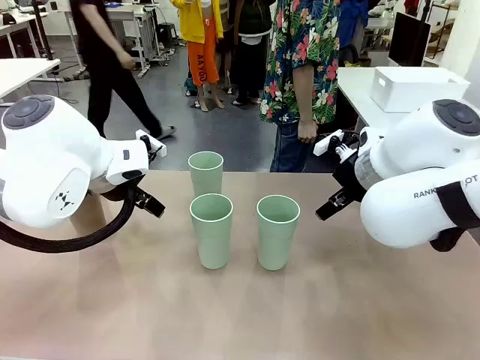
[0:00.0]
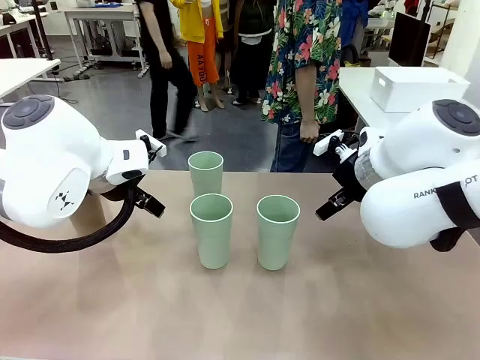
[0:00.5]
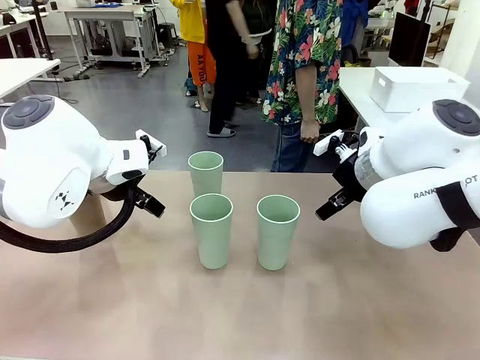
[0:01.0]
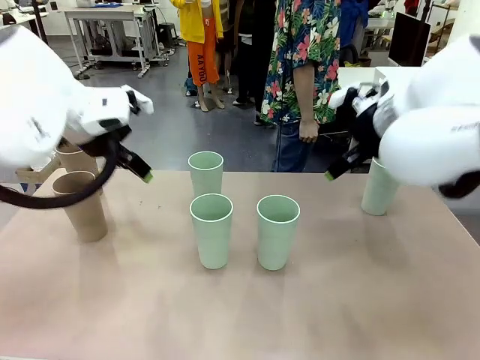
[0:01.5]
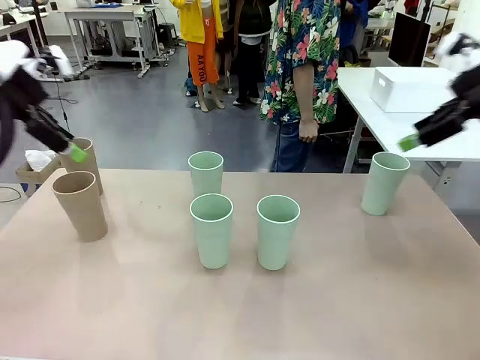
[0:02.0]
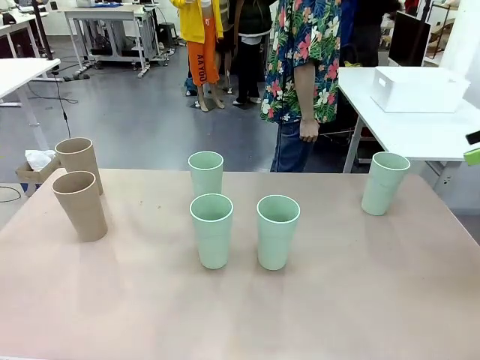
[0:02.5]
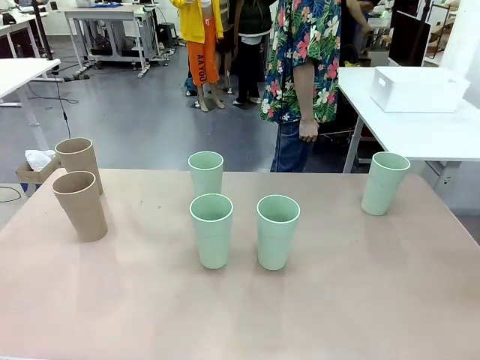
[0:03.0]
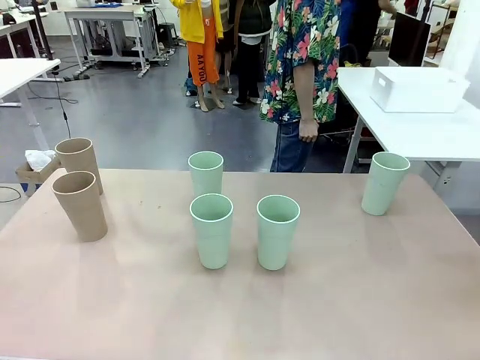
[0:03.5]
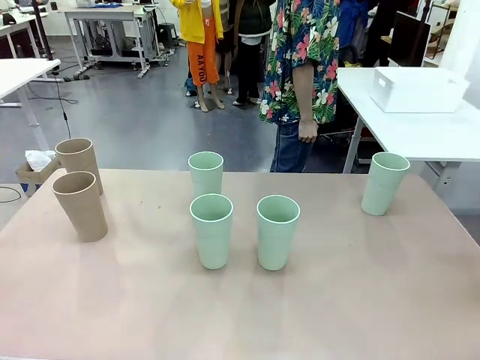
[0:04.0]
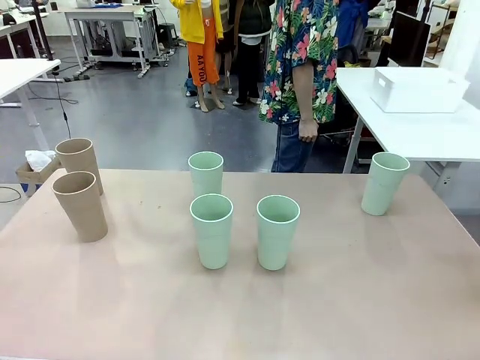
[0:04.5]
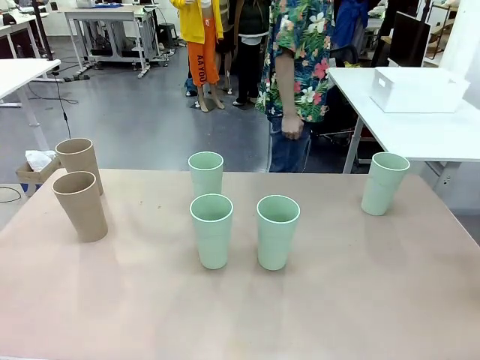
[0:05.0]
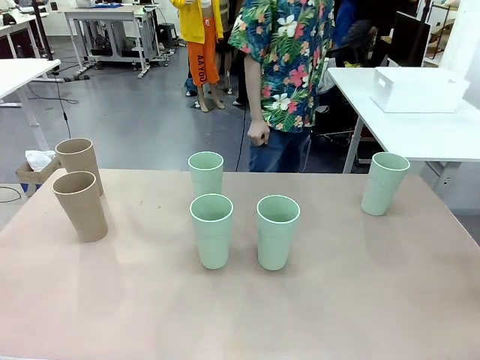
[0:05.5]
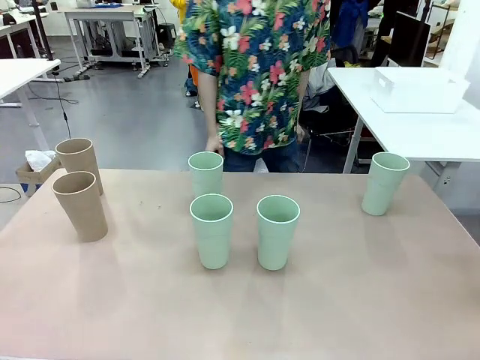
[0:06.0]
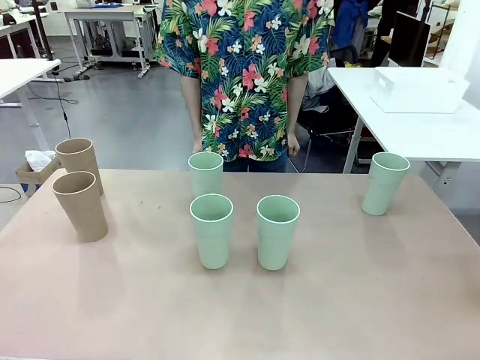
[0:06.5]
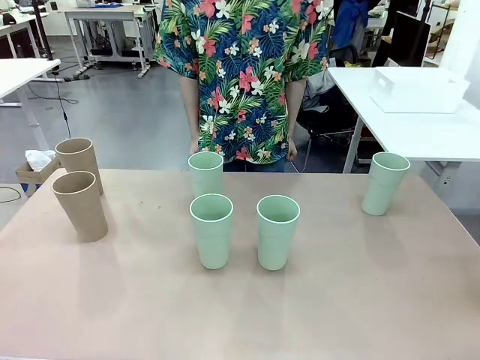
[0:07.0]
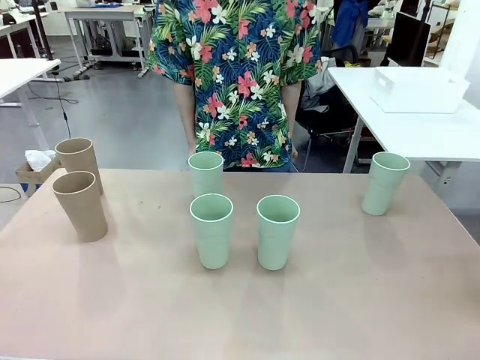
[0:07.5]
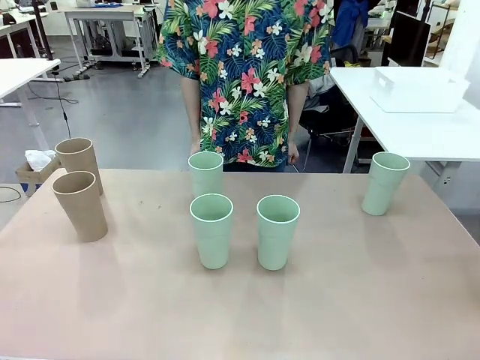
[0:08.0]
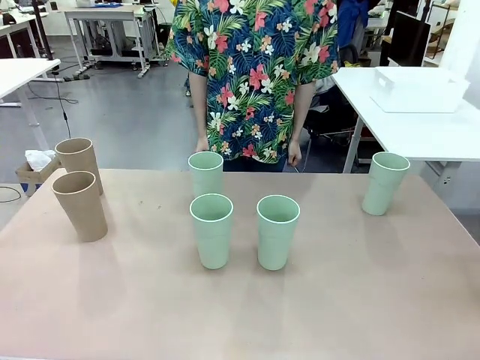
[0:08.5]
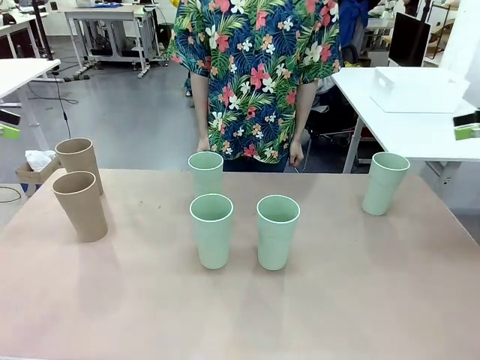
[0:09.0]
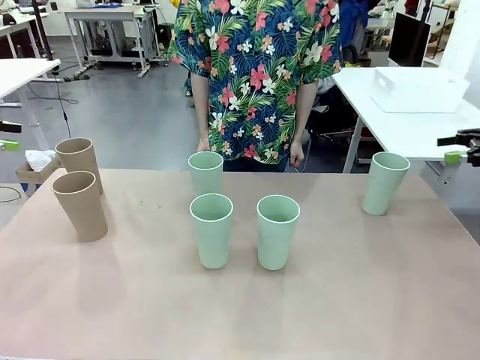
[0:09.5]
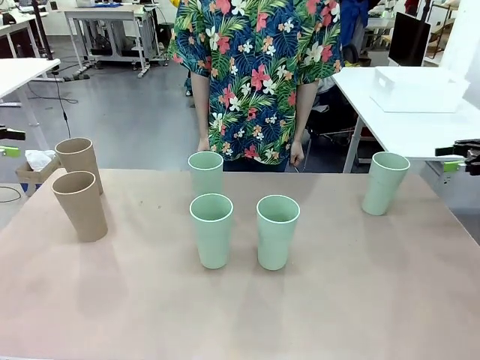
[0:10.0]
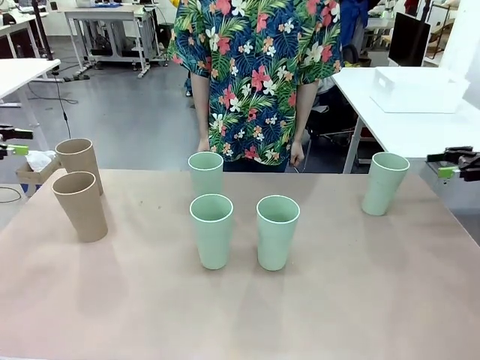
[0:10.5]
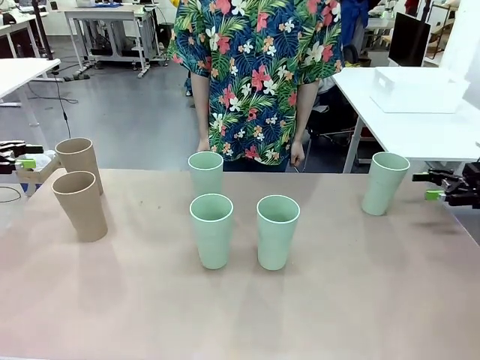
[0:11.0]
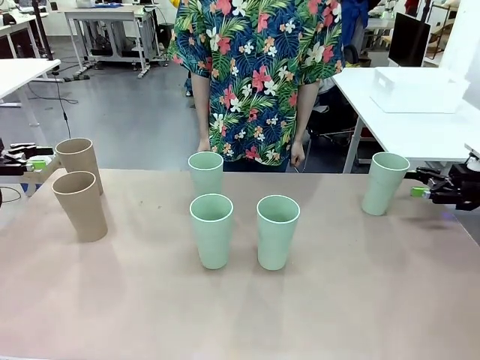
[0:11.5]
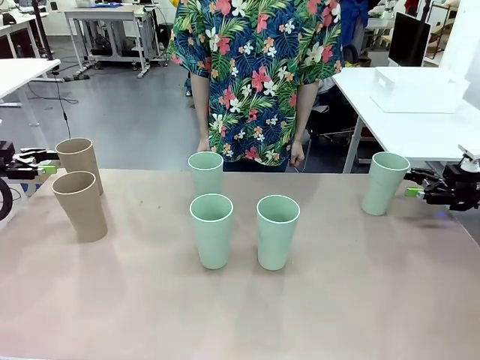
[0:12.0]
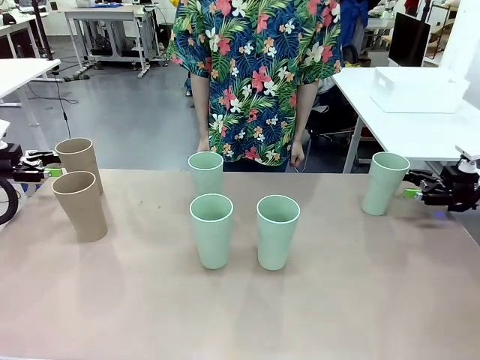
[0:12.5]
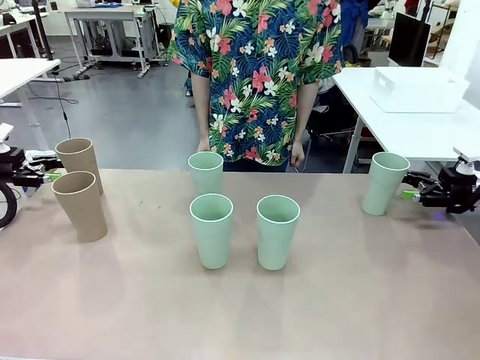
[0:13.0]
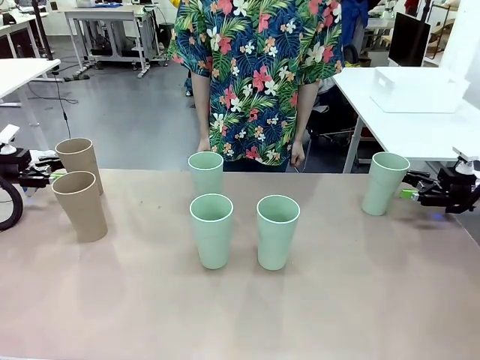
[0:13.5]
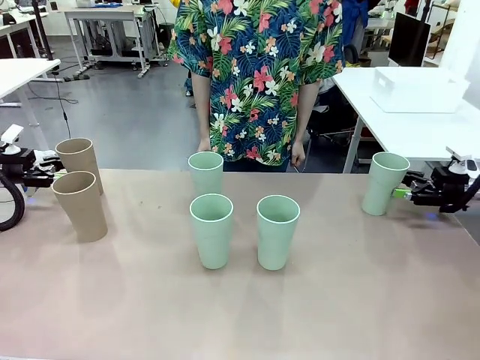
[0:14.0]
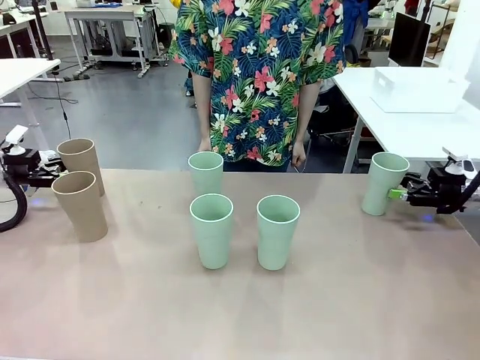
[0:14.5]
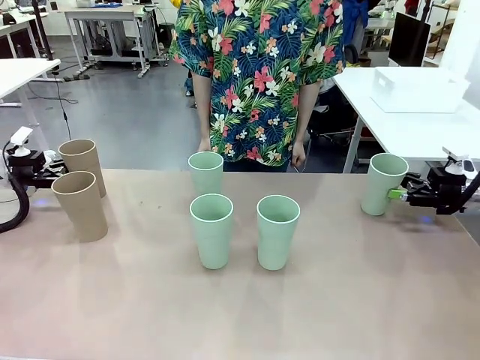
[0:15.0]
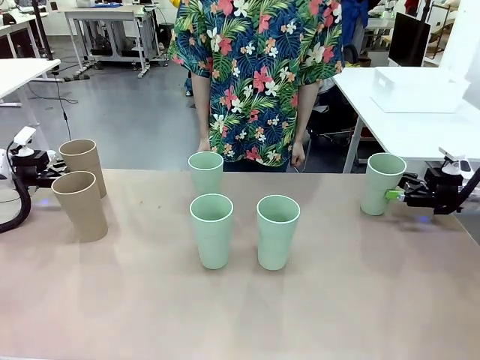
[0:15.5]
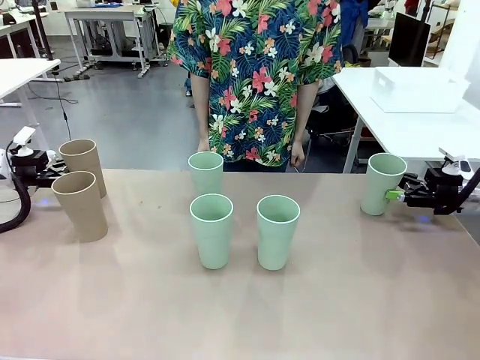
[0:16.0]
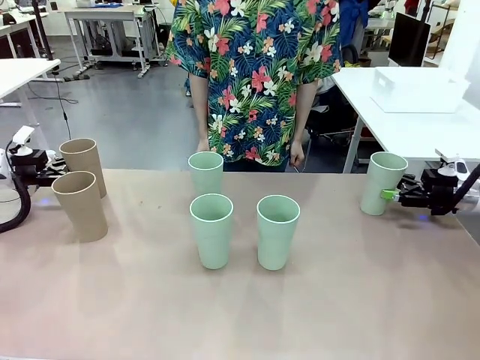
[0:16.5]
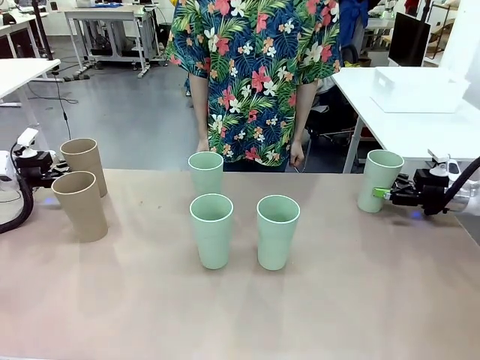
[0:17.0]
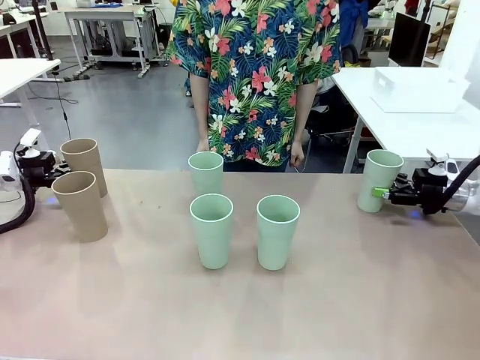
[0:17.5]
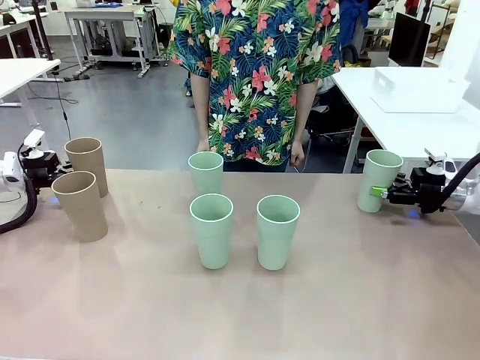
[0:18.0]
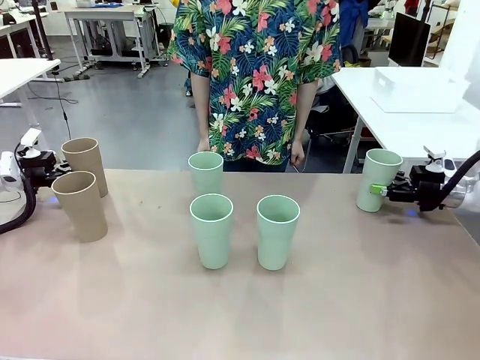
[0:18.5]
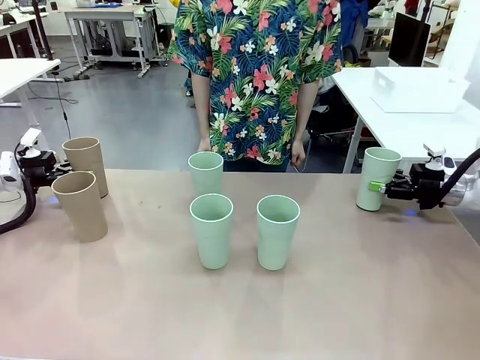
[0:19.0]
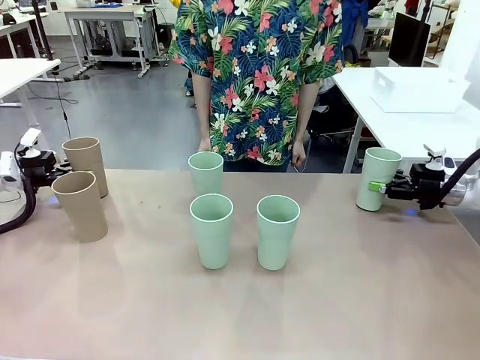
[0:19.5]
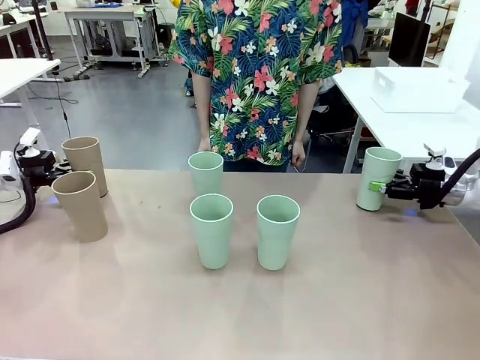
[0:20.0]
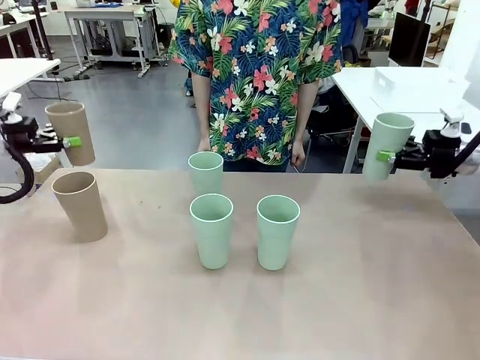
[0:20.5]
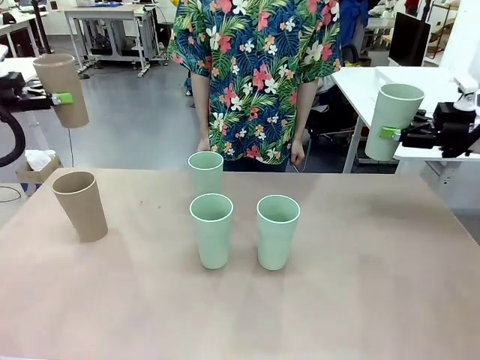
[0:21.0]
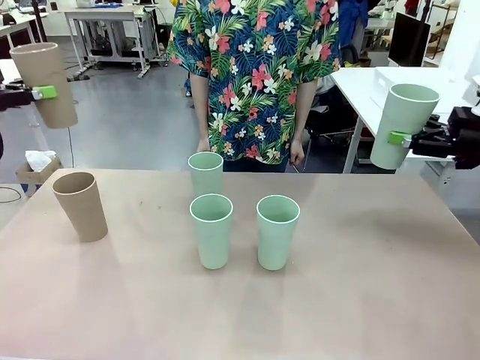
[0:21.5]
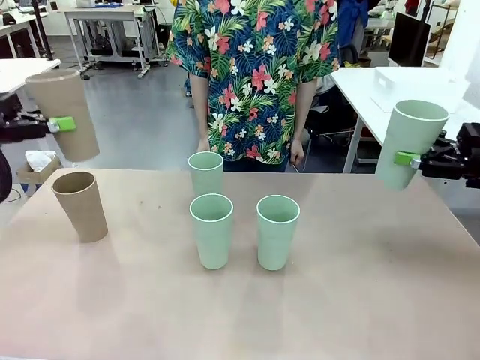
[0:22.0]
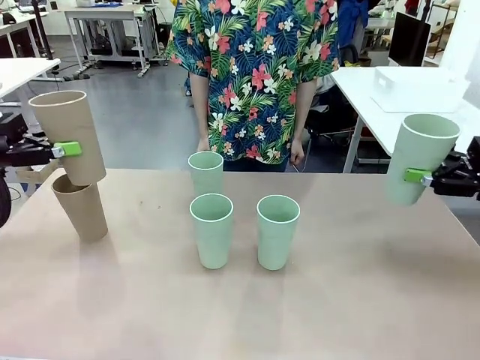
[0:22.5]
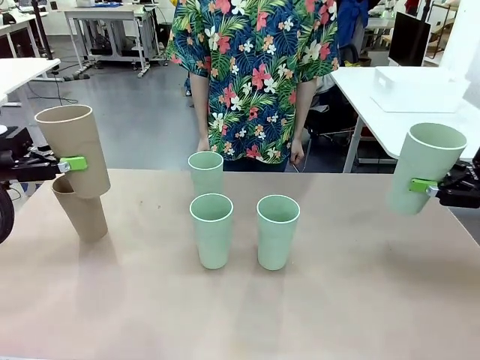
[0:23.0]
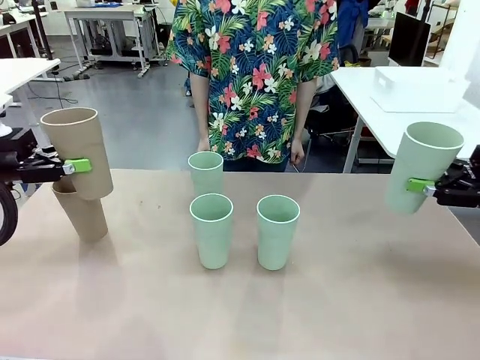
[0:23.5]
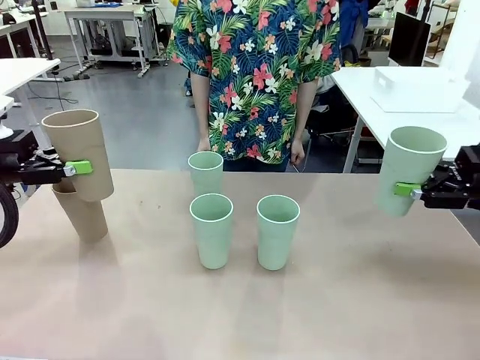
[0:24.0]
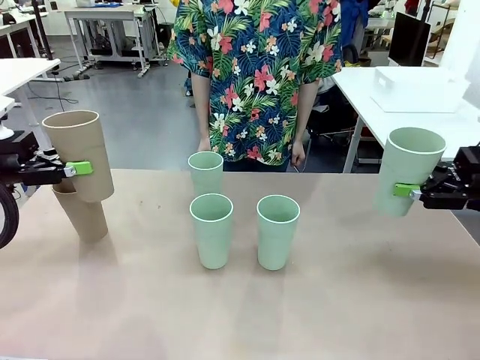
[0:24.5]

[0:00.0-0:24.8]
Task: Stack the cups and store them in the basket.
Robot: Pick up two Reusable plastic cups , one in each hand.
Person: Move from the Human Table to the front of the Robot Table. Stack two of the remaining cups on top of each cup held by the robot.
